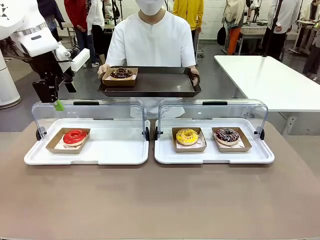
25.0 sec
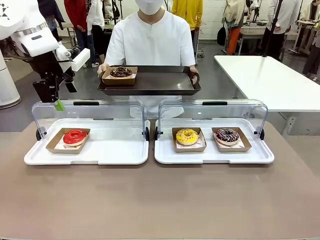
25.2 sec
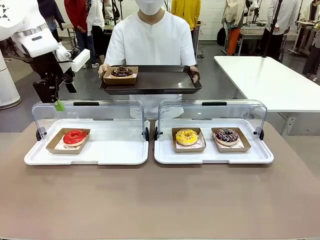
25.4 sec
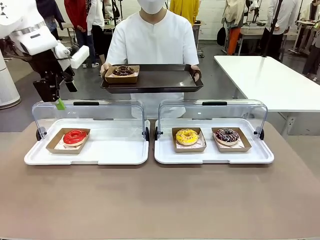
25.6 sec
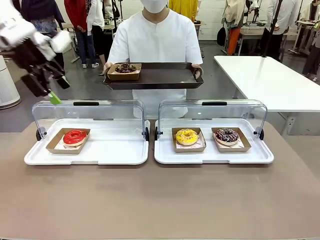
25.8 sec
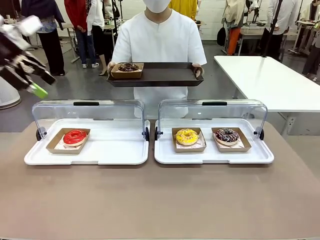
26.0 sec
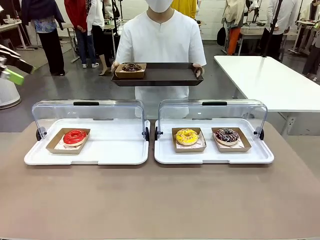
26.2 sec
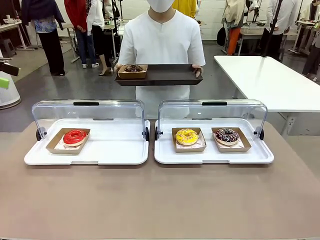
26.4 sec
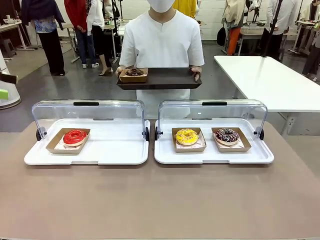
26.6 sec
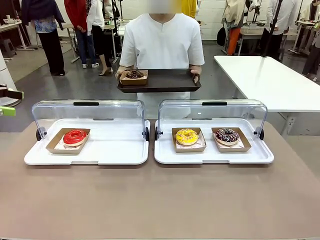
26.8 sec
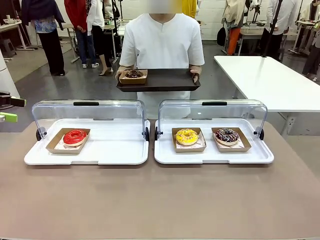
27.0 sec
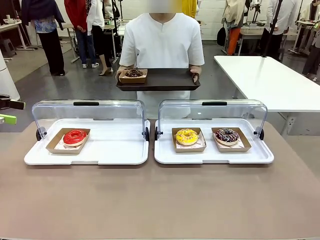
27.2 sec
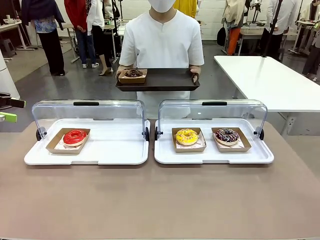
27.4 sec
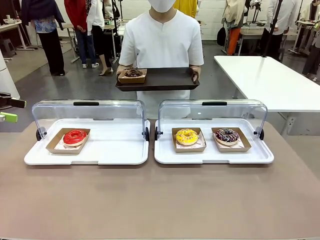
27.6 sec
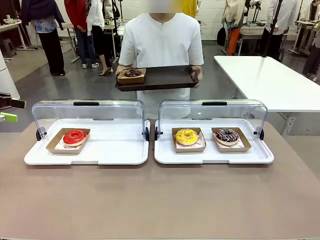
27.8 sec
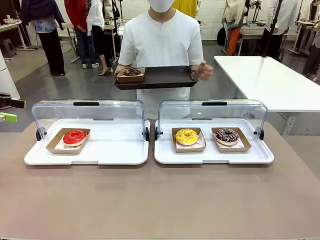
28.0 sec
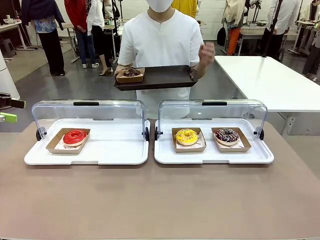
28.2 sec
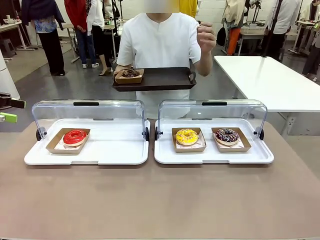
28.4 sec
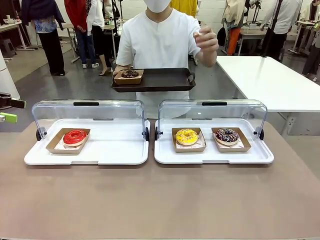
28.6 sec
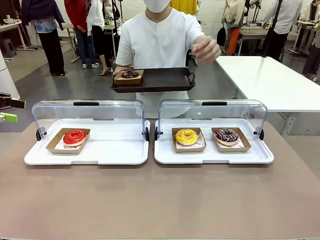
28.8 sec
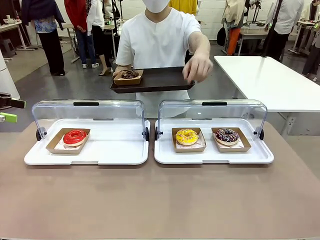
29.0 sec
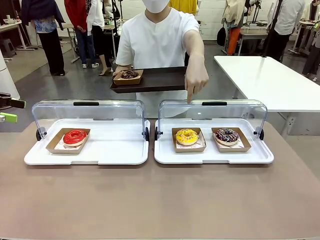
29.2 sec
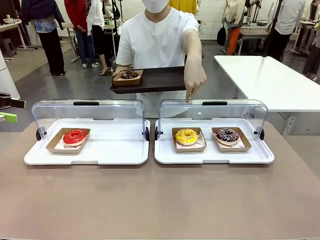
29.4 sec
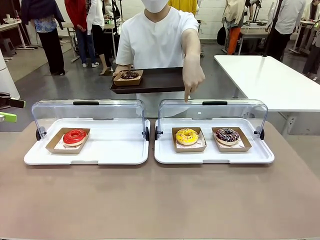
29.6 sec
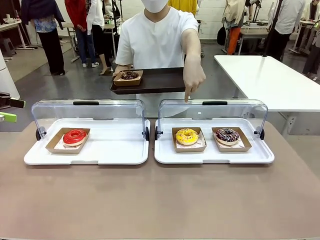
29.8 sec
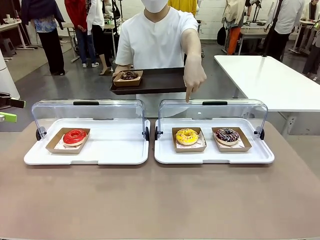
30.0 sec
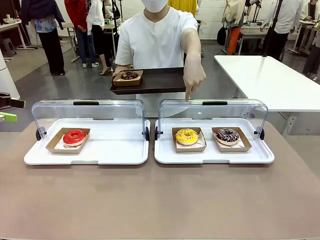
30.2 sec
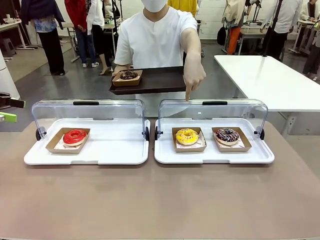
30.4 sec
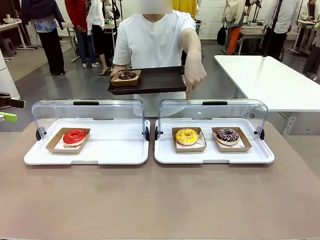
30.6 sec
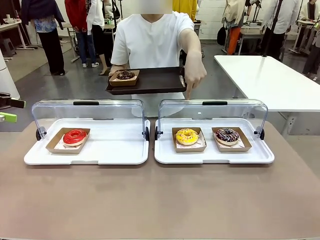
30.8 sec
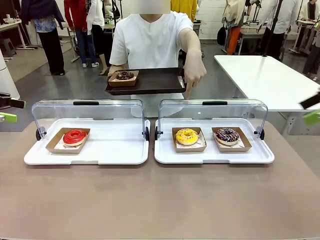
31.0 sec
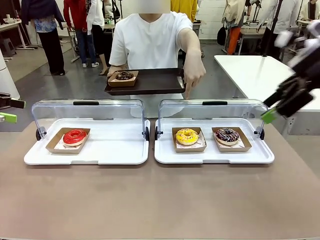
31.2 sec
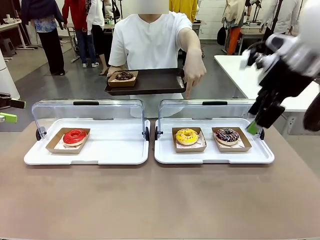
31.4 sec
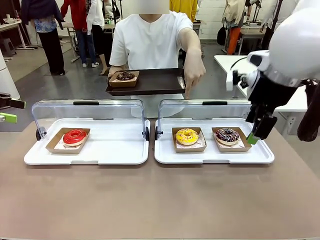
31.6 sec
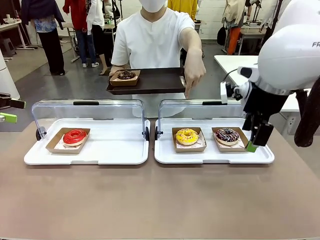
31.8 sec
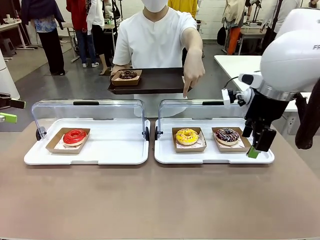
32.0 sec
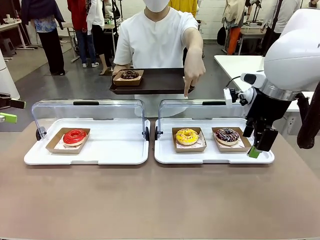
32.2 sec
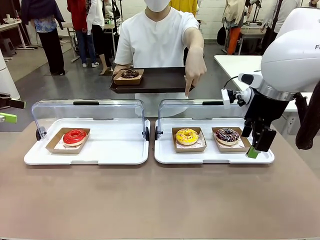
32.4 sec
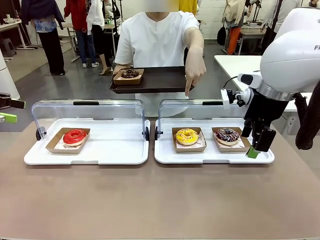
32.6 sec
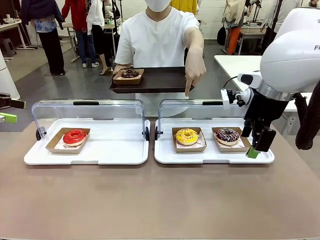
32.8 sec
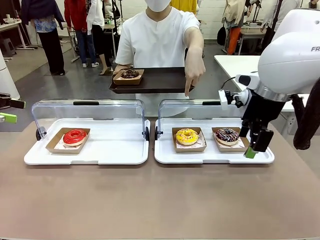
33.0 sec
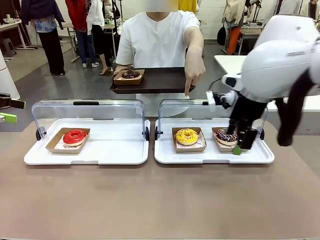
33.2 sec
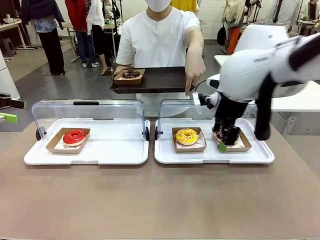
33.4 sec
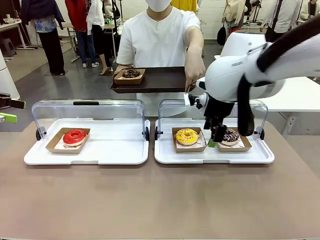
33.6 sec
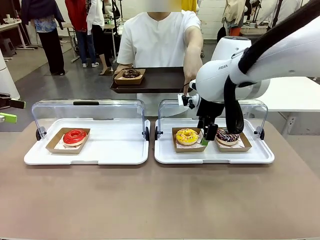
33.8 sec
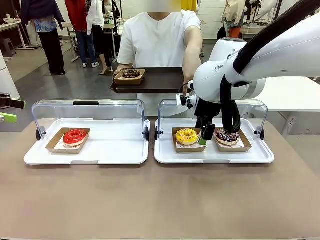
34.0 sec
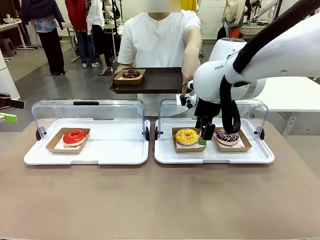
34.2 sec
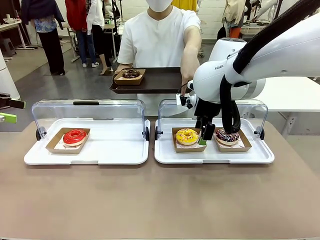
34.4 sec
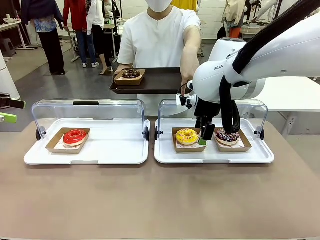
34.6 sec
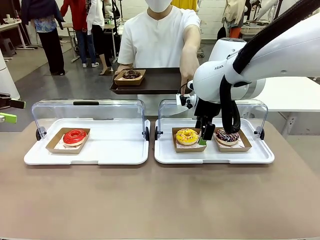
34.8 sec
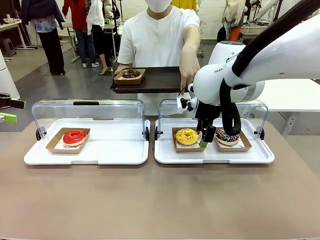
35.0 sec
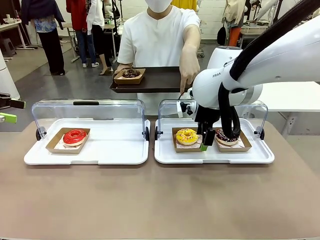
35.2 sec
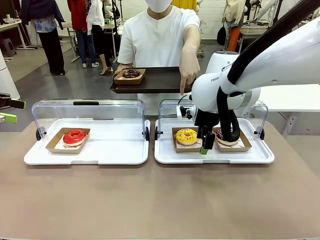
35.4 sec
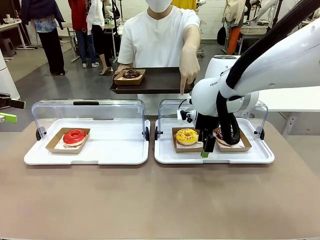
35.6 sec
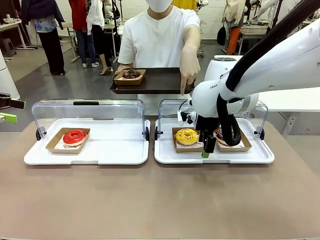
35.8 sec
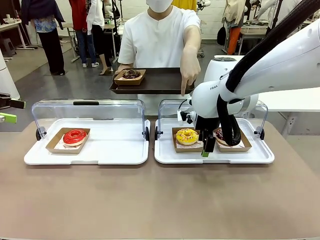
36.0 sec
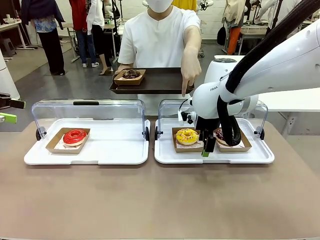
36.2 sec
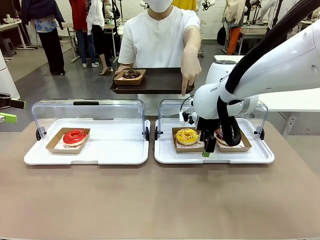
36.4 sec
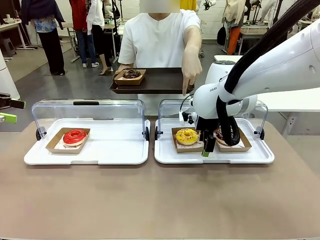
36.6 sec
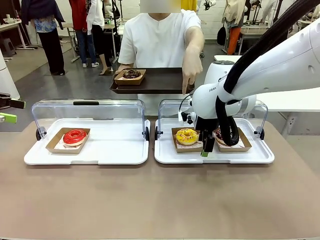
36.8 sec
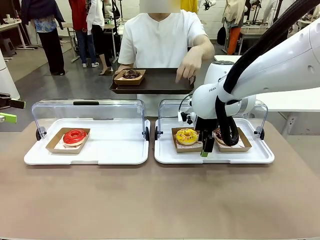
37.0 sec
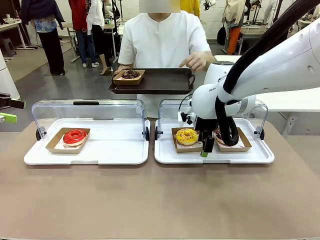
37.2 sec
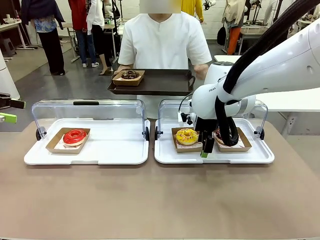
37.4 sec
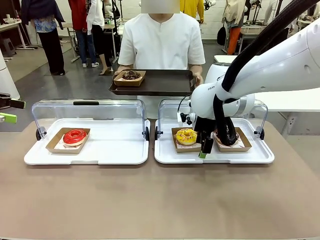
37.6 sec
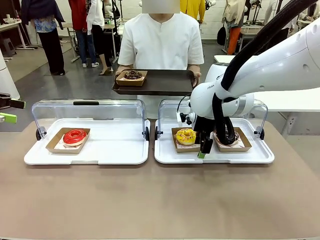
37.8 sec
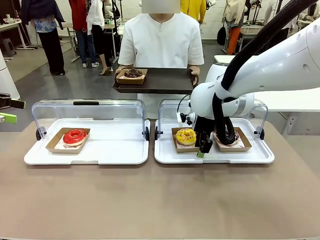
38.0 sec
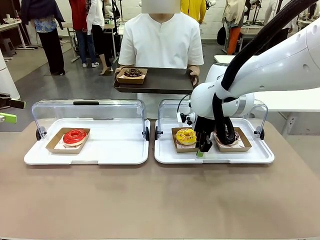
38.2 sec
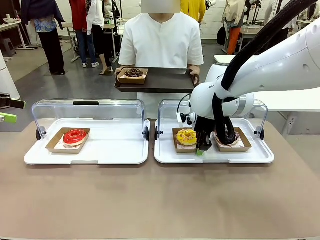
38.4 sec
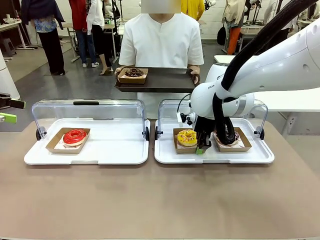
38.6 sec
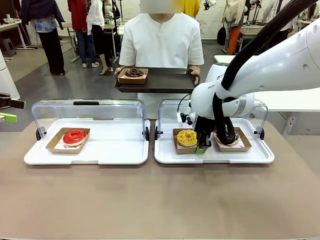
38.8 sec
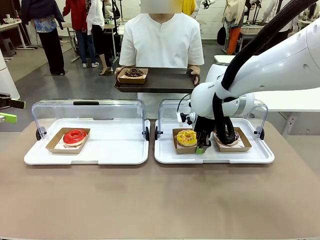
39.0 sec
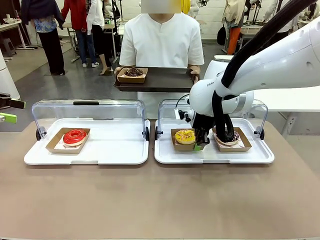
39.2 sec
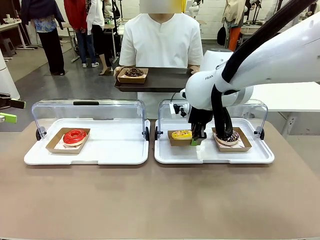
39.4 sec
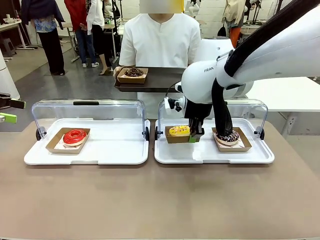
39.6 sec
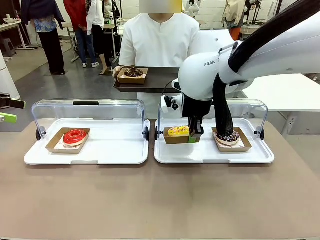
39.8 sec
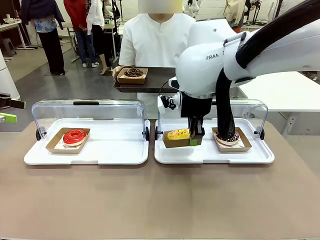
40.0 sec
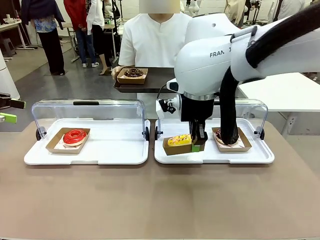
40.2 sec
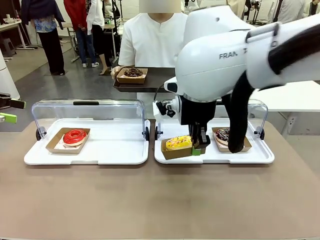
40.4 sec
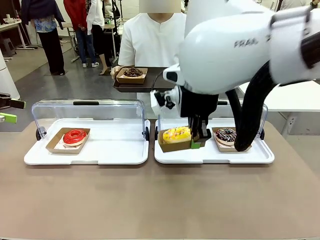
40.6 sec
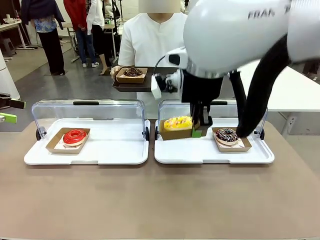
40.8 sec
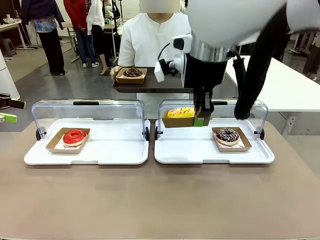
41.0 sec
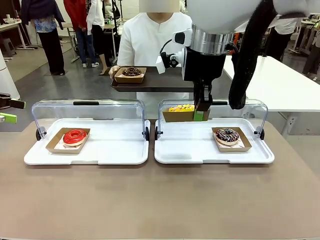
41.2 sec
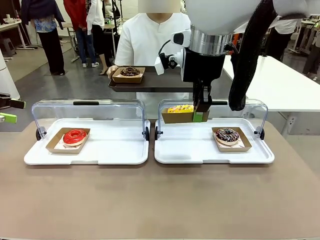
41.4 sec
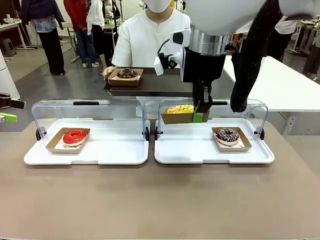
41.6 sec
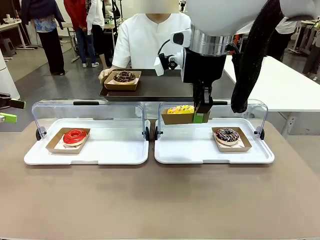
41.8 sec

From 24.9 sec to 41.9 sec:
Task: Provide the desired donut to the person.
Robot: Pick up and lift the Paper togo box containing the Donut pointed at by the person.
Person: Point to one donut. Lift the tray onto the Roll-Top Bakery Case.
